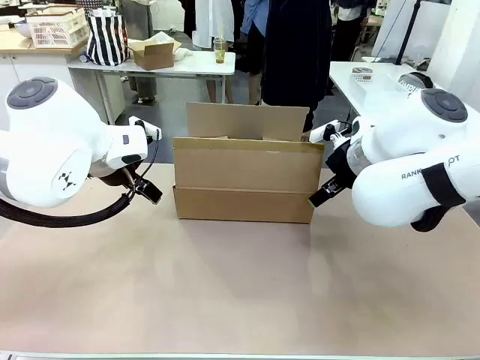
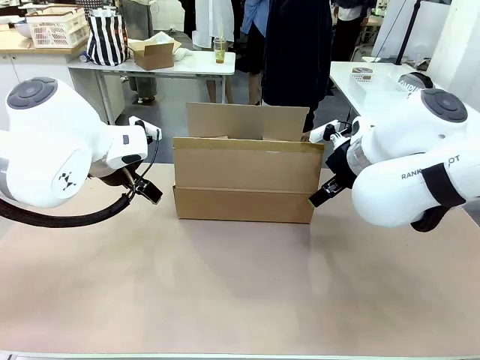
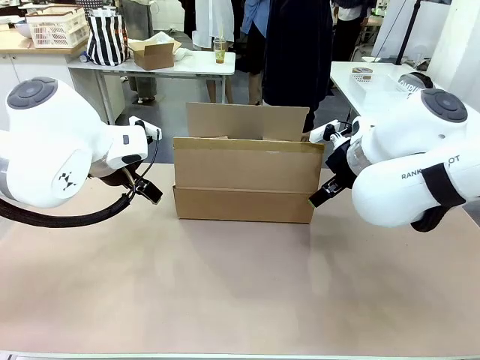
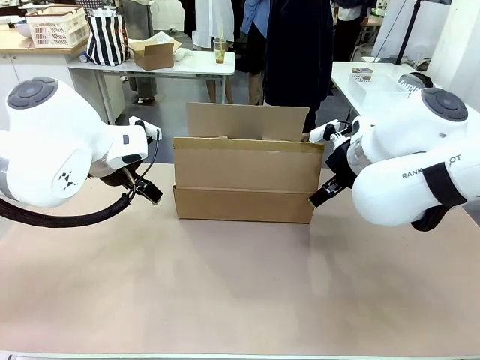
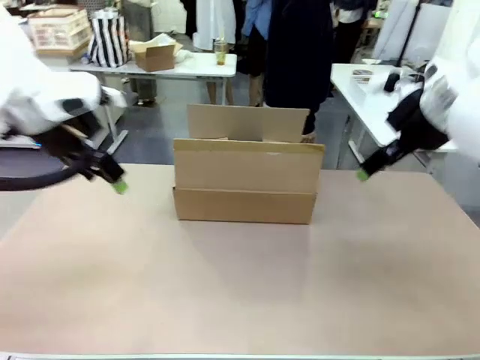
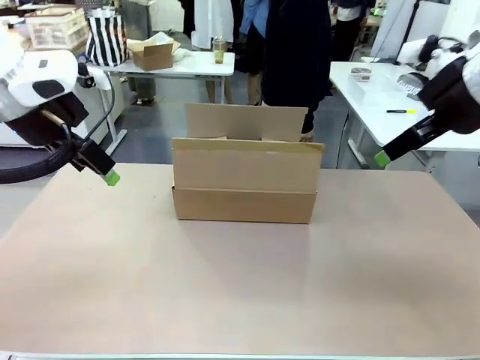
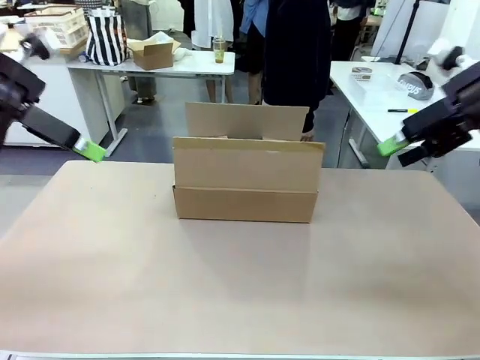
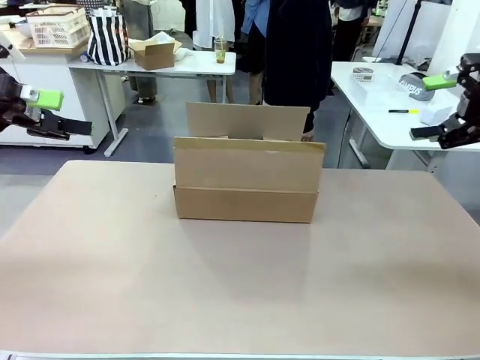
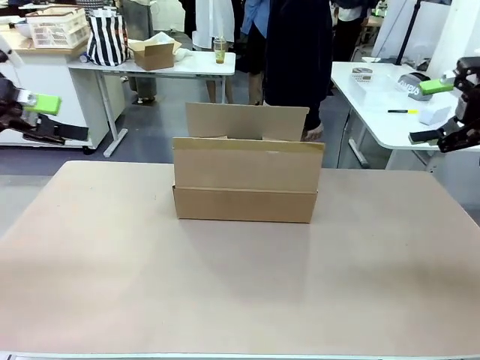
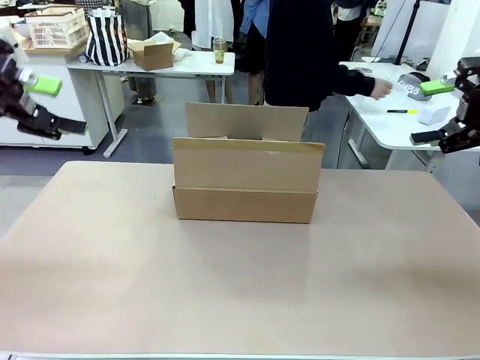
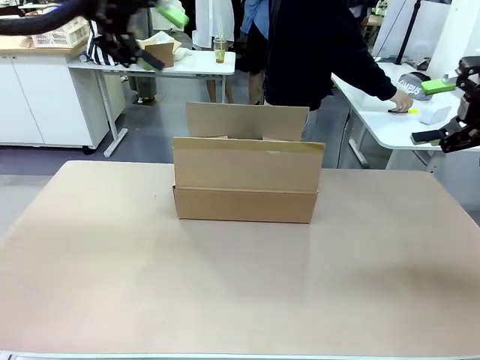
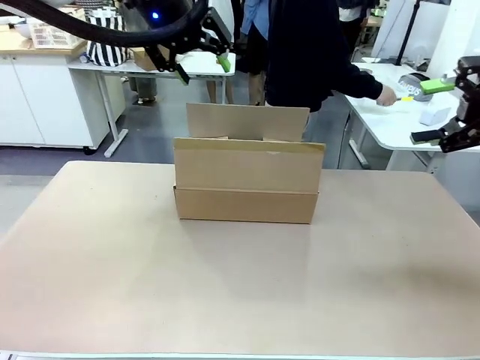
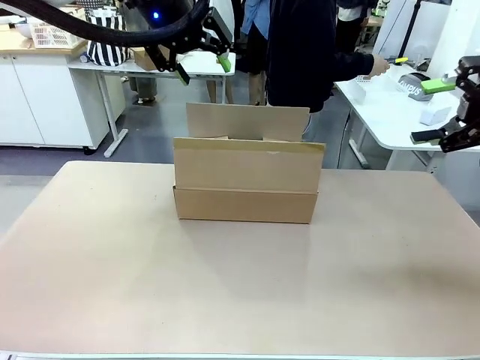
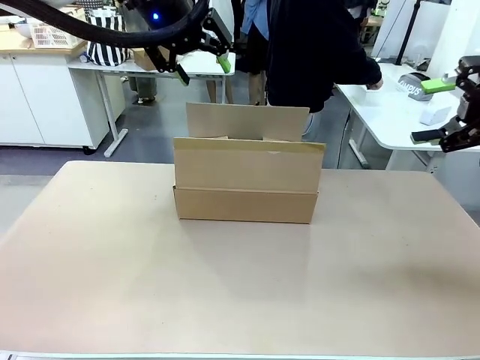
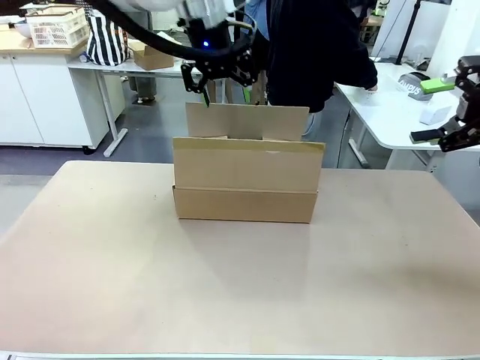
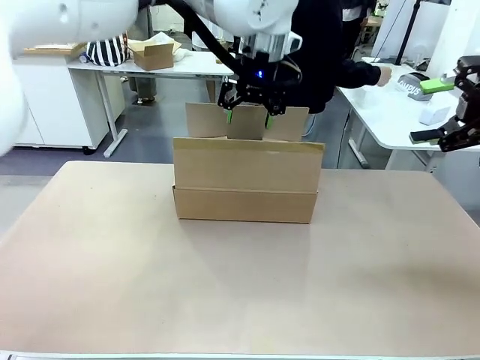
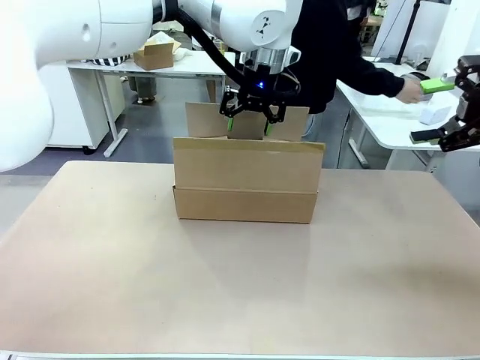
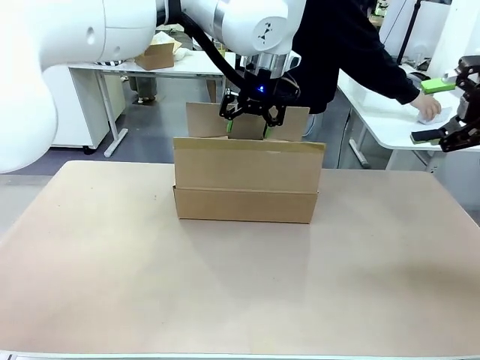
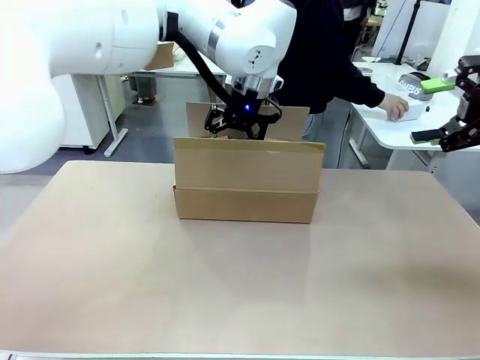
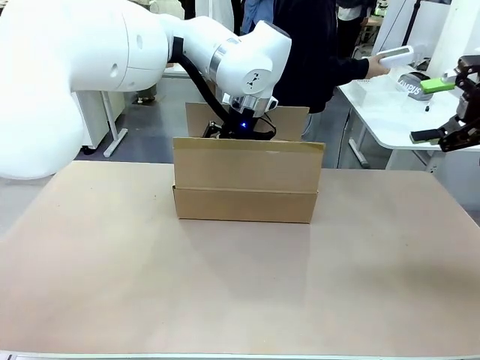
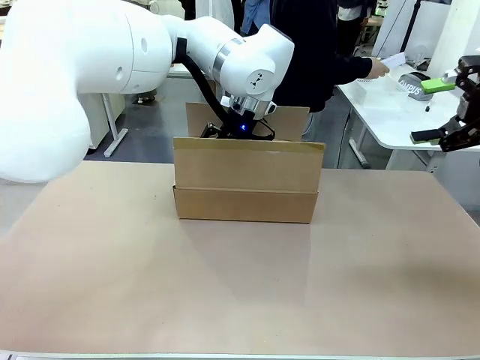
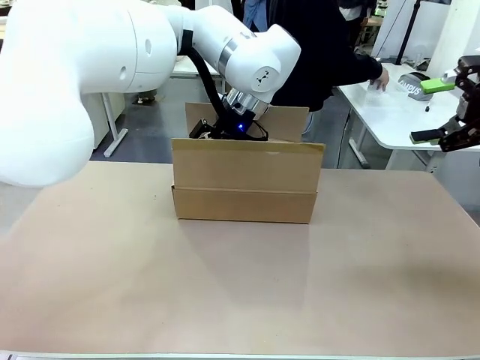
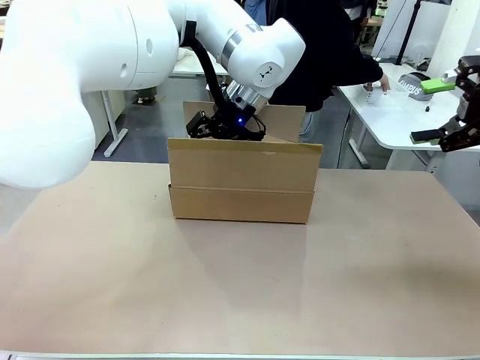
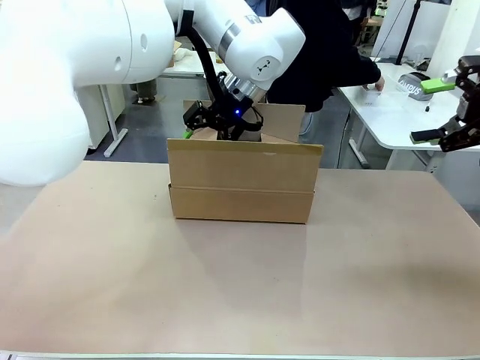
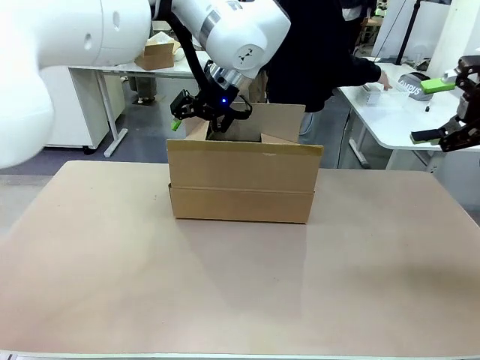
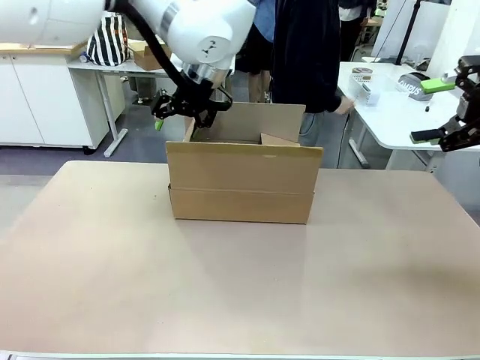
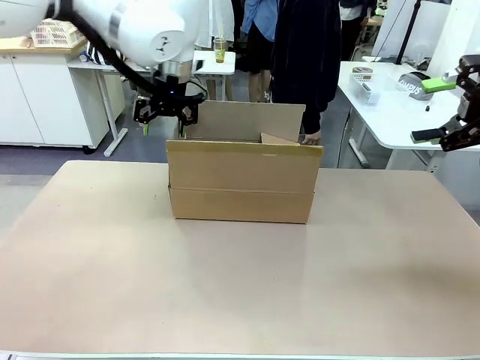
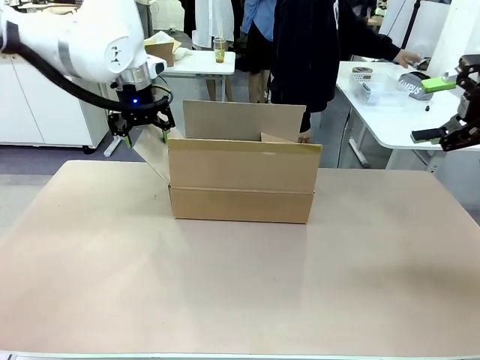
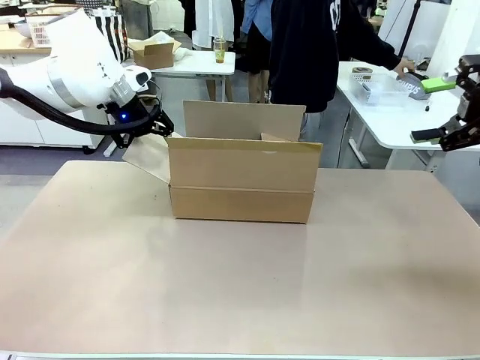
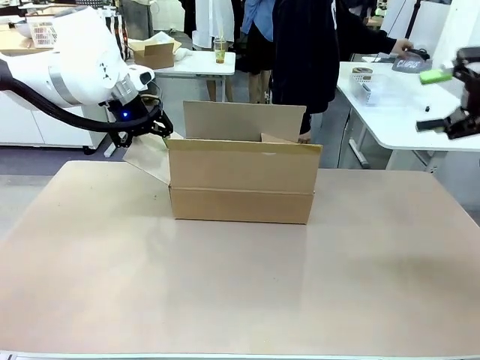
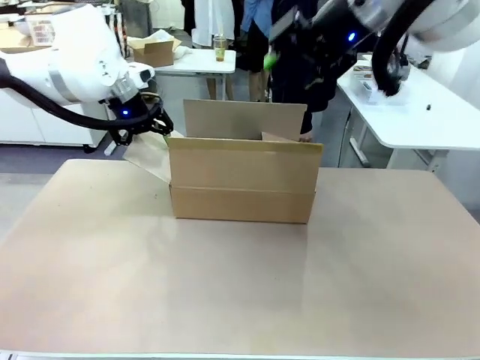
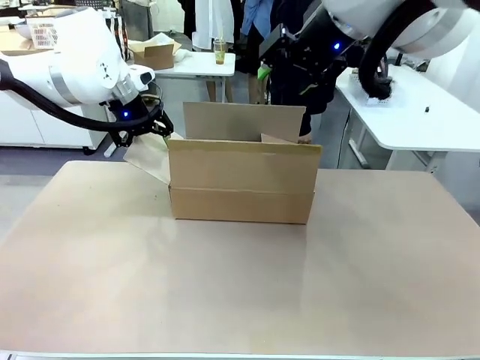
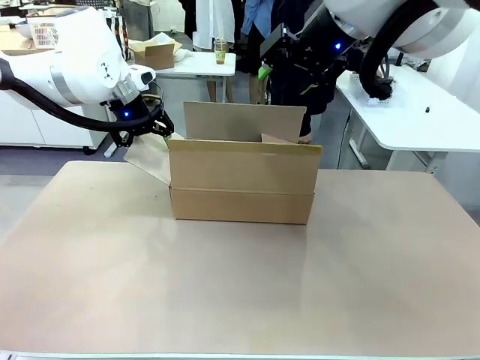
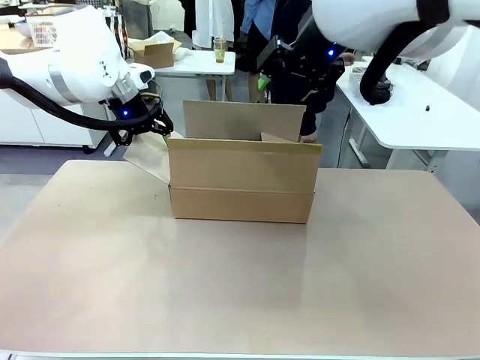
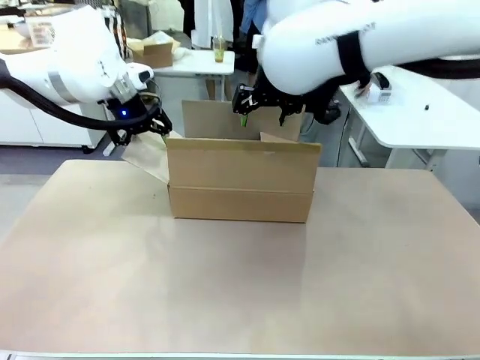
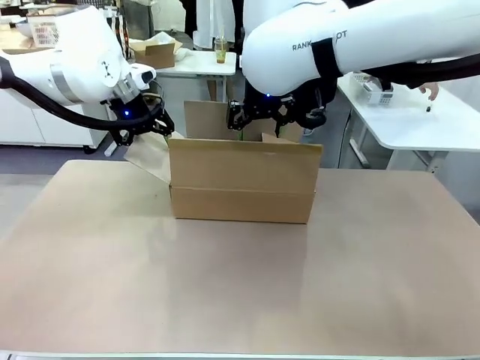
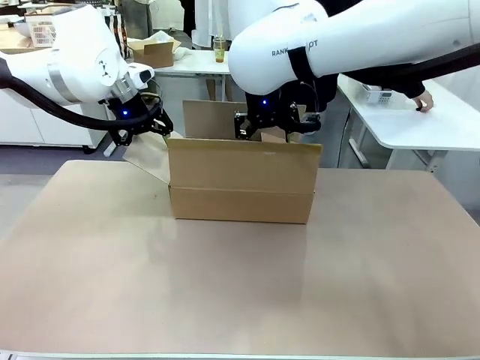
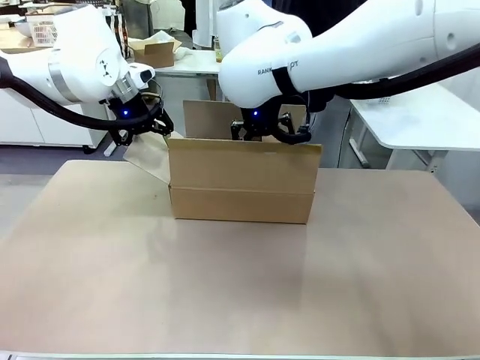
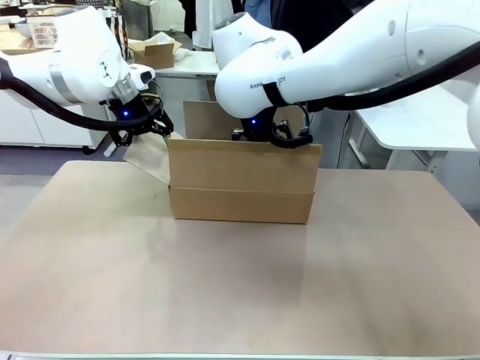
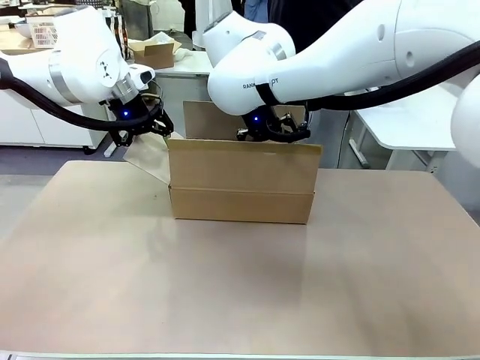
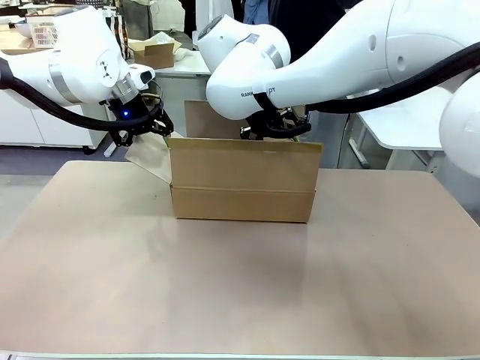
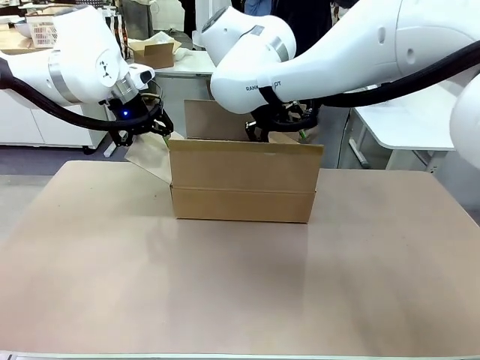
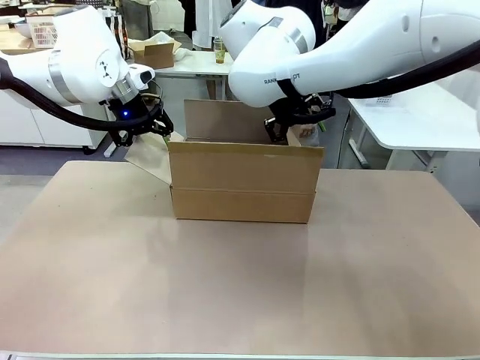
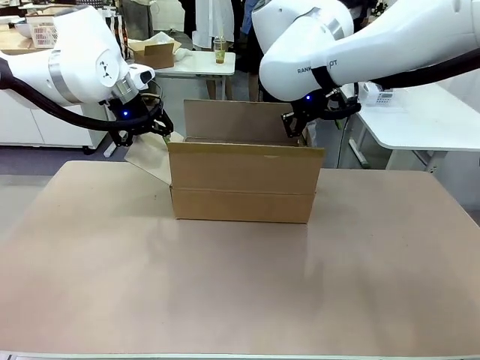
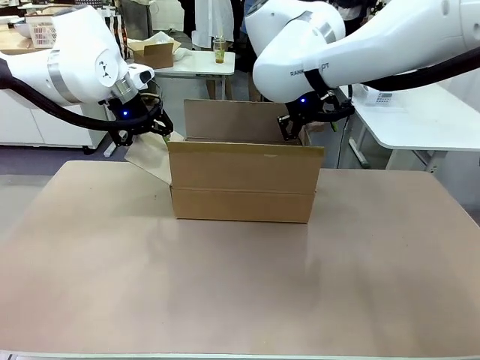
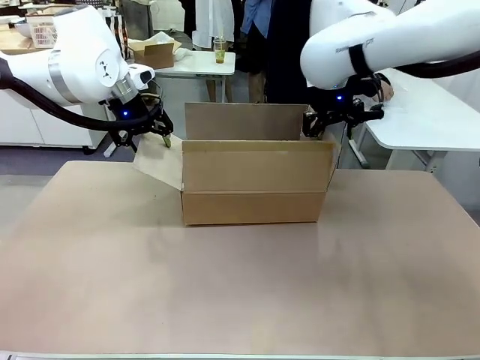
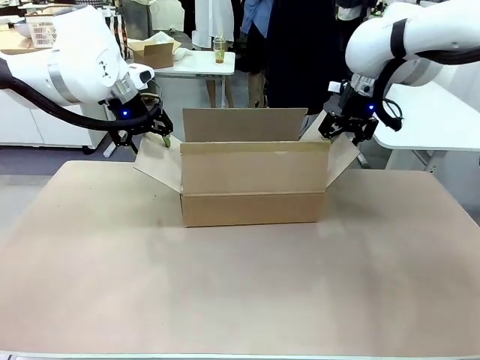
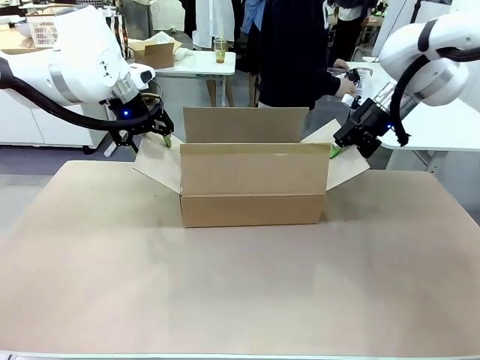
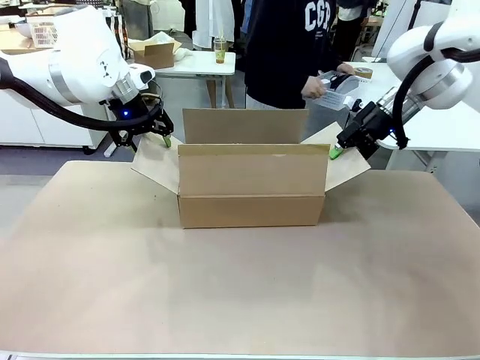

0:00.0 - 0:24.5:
Task: Pack the gift set into the box.
Robot: Place both hands on the side flaps of the Package Box and spread them outward.
Person: The human places all items except the paper tape into the organizing basket.
